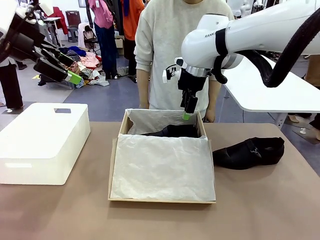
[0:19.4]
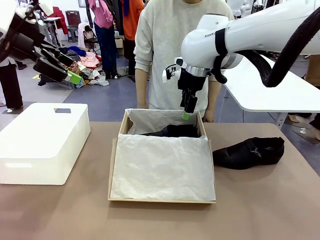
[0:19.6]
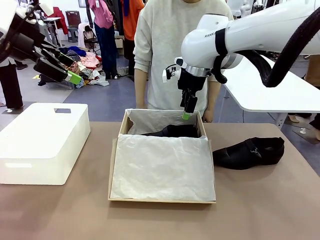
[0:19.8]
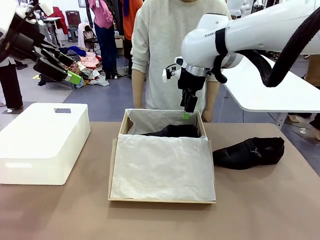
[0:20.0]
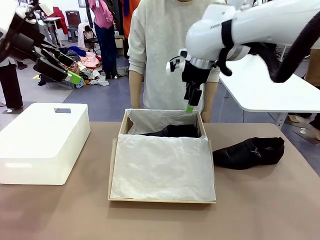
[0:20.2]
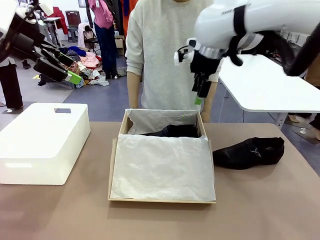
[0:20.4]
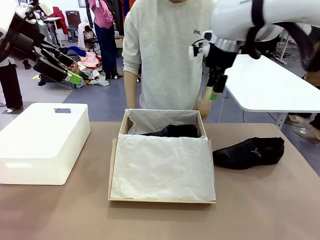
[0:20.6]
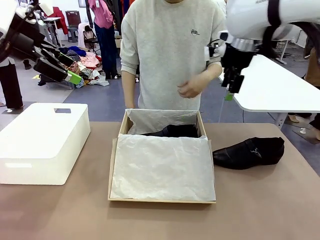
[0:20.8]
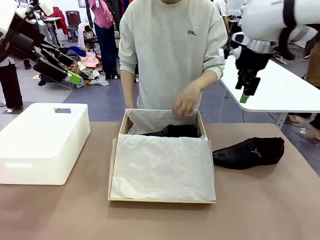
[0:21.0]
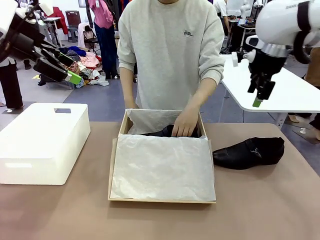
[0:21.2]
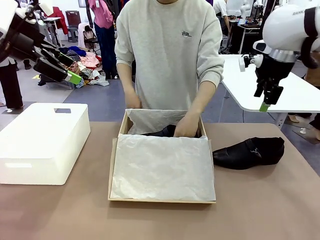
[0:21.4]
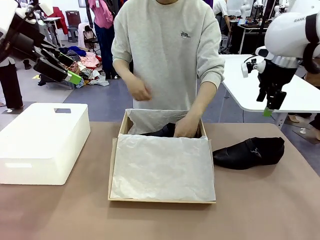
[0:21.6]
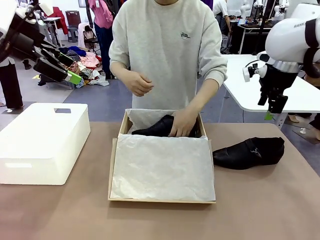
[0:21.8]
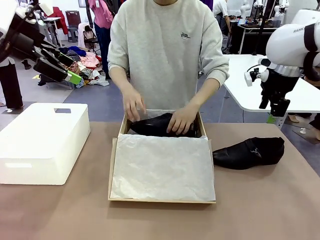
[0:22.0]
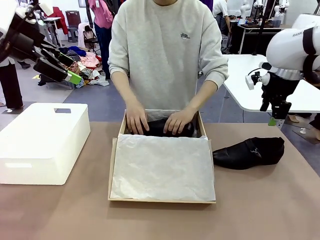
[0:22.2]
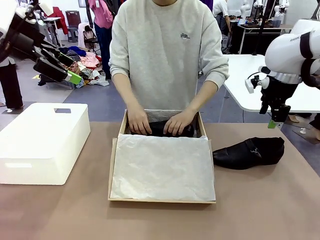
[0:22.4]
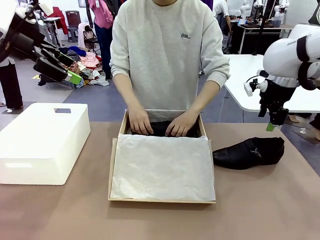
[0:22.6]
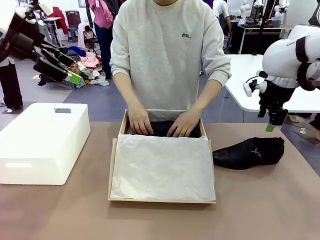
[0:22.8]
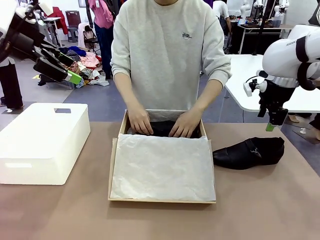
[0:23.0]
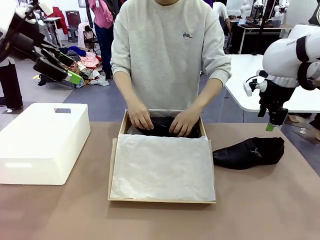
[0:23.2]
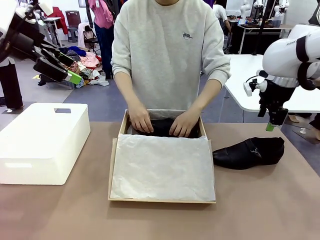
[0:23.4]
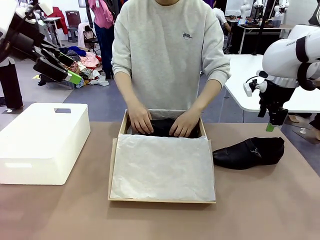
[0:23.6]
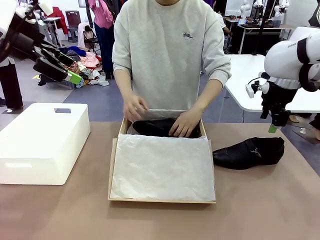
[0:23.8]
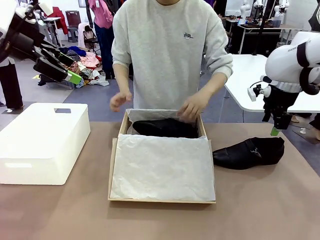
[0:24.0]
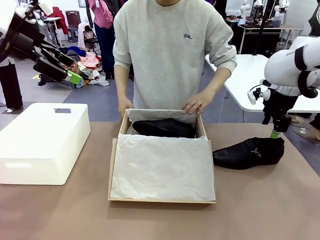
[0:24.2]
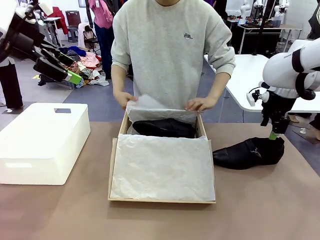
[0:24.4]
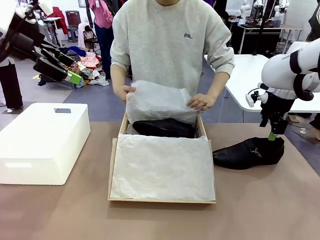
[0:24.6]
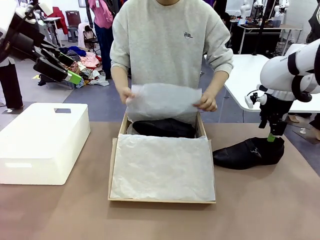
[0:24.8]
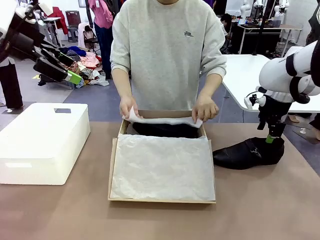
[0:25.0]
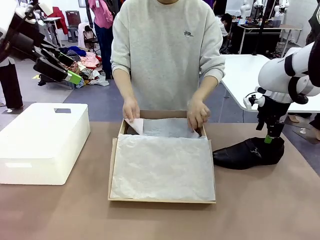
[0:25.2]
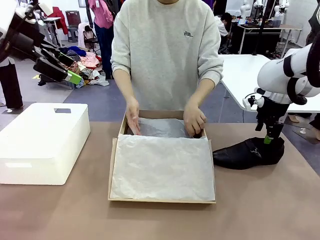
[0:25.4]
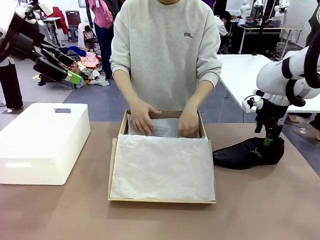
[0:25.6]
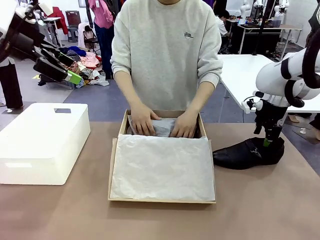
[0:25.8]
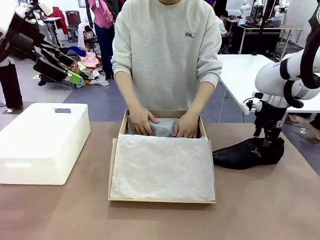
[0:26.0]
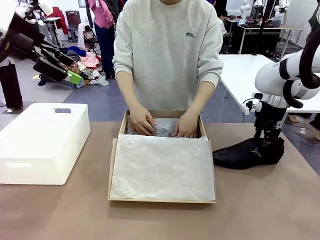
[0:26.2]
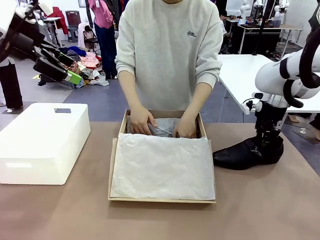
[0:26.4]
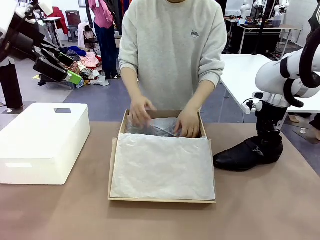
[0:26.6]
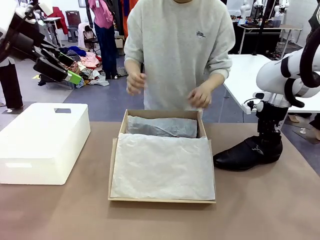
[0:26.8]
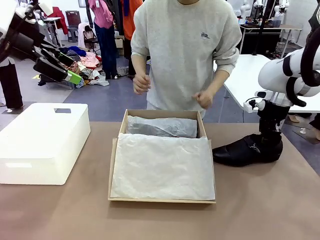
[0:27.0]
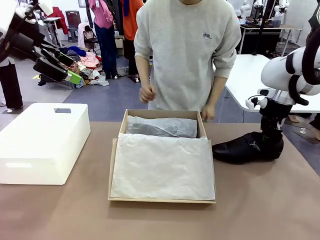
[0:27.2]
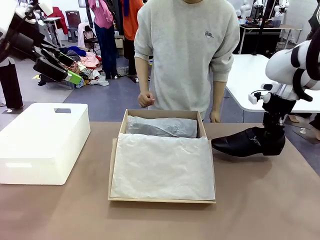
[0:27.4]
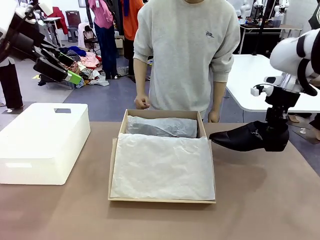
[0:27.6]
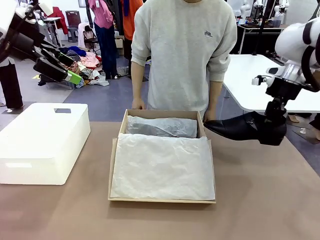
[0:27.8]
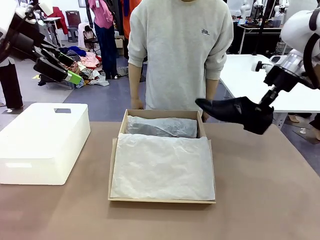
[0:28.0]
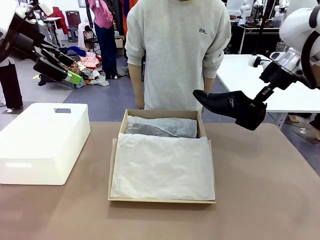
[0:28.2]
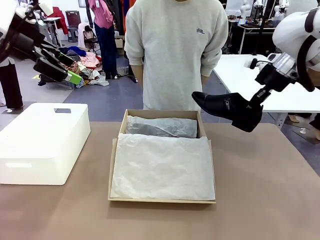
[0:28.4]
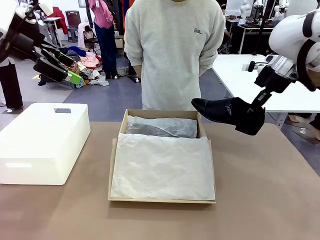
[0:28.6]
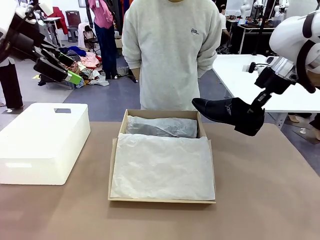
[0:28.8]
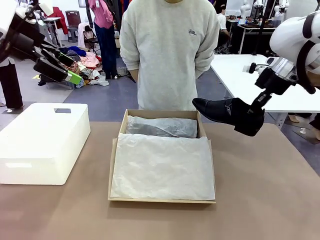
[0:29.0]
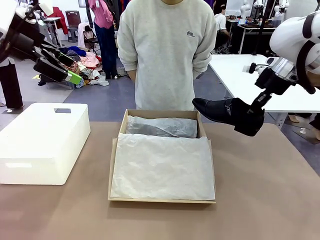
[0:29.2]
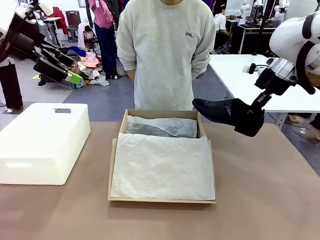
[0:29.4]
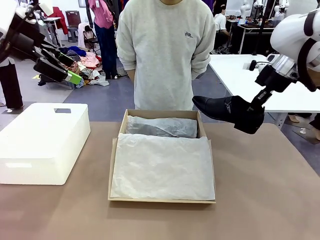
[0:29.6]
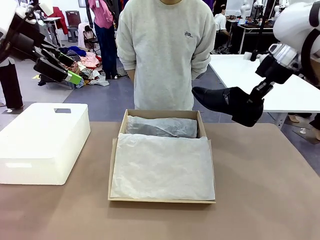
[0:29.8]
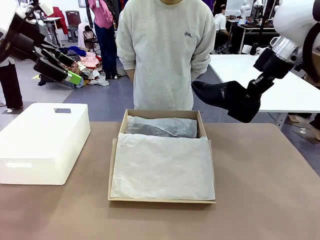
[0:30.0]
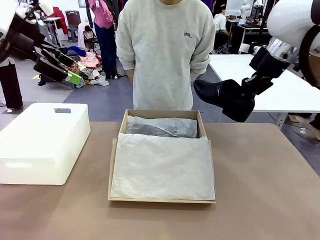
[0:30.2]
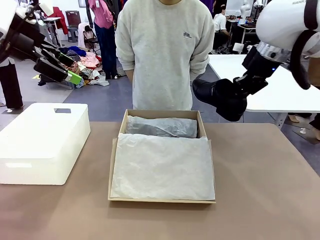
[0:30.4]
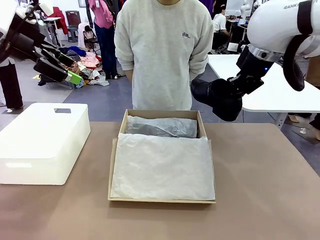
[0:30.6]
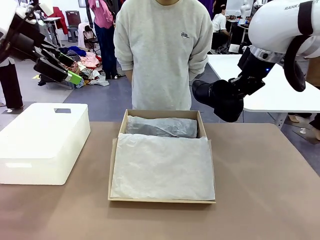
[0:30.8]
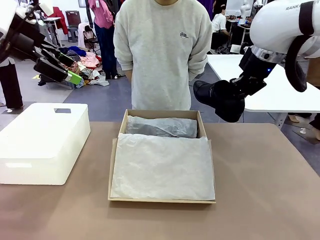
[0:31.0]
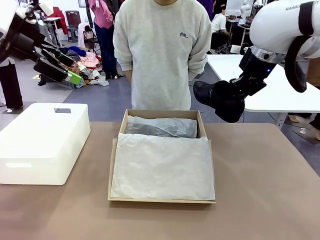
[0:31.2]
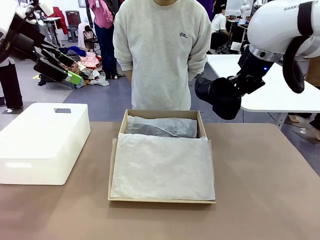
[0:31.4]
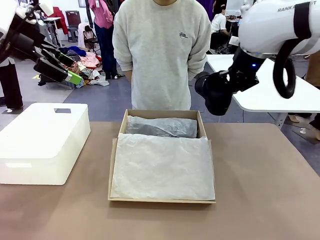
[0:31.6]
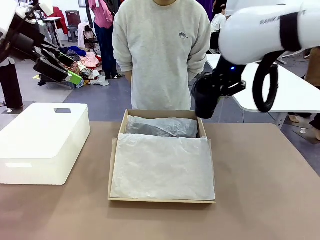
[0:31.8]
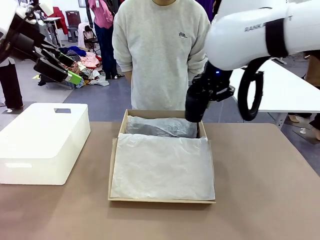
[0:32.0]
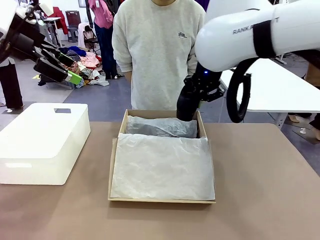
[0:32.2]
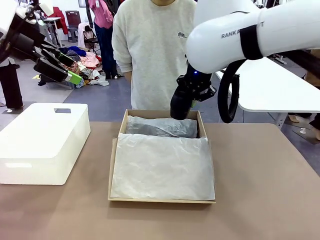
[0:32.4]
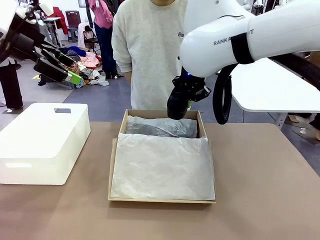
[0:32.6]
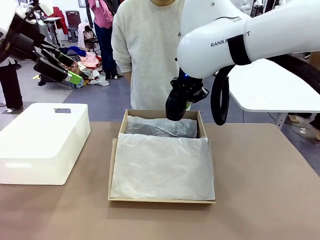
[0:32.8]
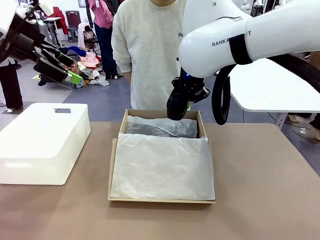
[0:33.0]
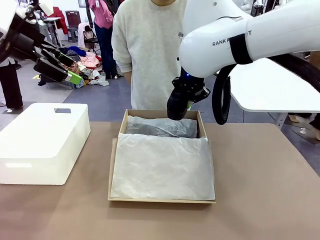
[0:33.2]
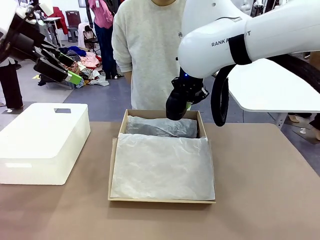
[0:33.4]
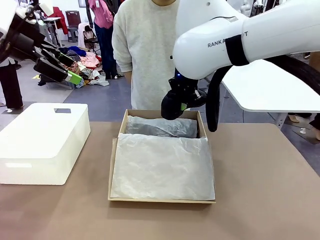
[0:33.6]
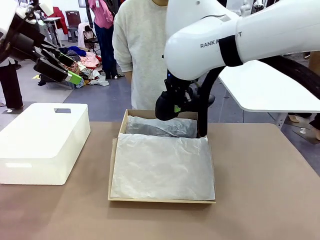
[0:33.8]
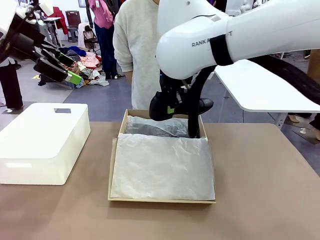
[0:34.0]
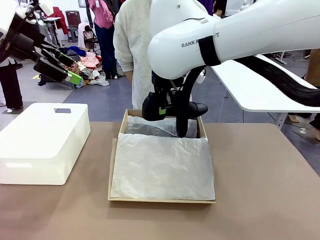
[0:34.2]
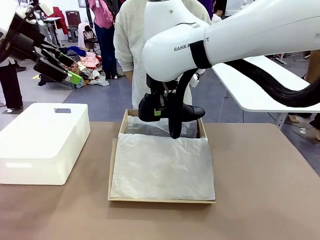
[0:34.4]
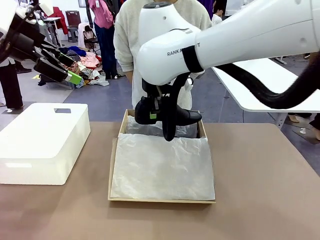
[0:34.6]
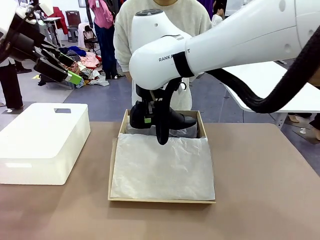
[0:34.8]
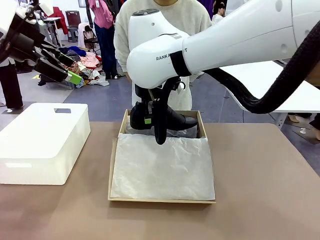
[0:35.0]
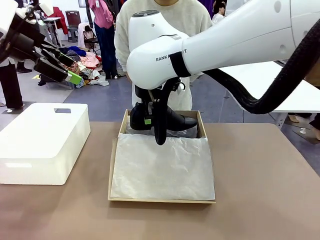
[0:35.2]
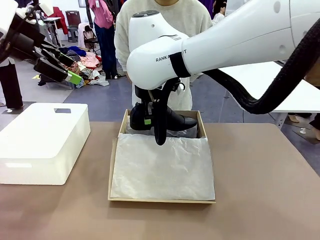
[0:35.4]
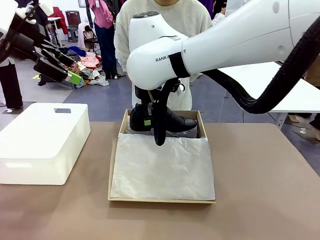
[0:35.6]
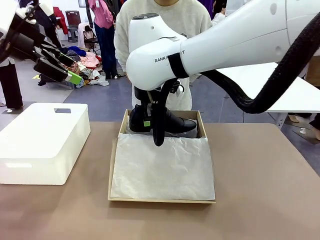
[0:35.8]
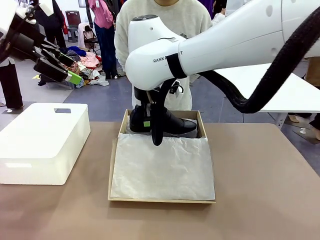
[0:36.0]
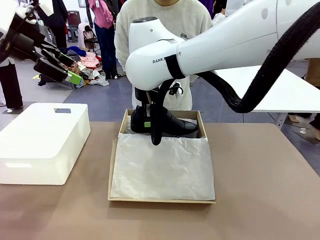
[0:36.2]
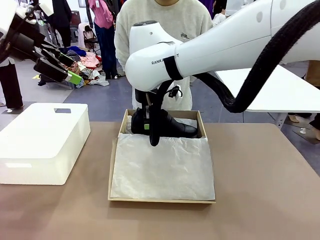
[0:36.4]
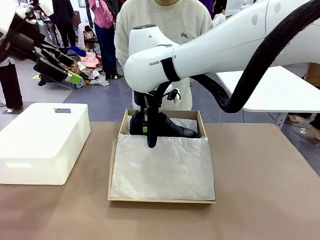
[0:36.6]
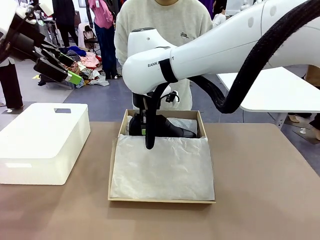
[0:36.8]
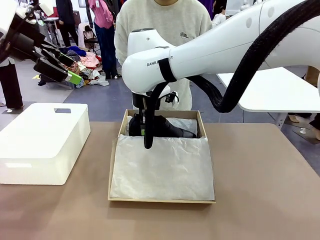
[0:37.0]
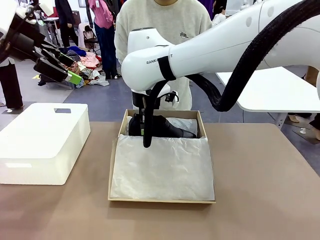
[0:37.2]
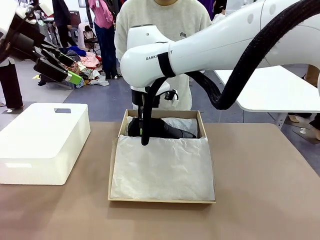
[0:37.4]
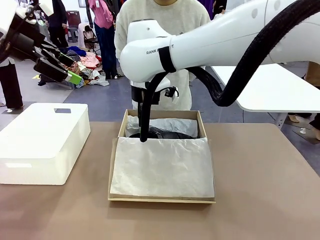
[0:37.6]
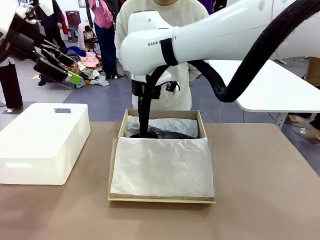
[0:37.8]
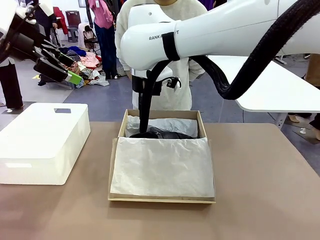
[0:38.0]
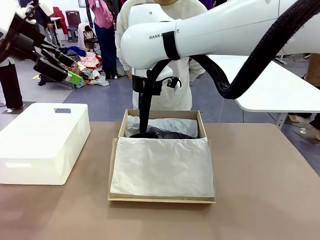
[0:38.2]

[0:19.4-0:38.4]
Task: Pack the shoes into the box.
Robot: Place the other shoe of the Shoes into the Shoes Box.
Person: Pack a shoe of Shoes inside the Shoes Box with Shoes Wrapping Paper.
